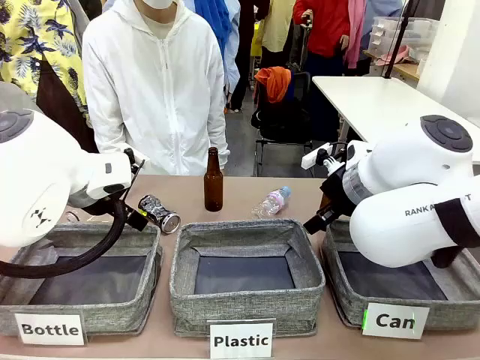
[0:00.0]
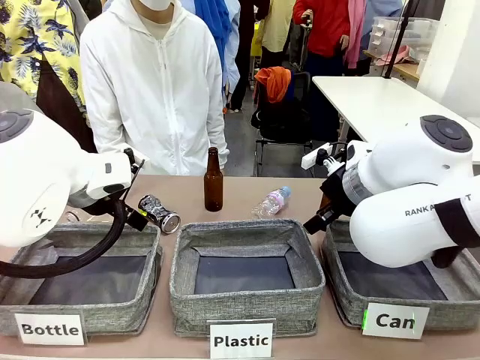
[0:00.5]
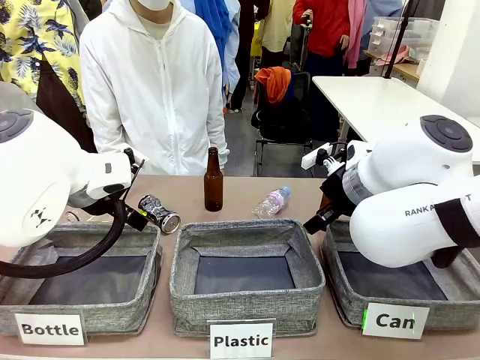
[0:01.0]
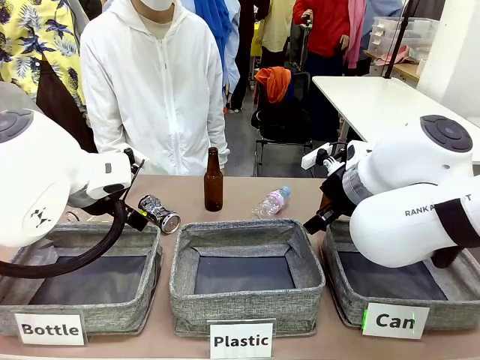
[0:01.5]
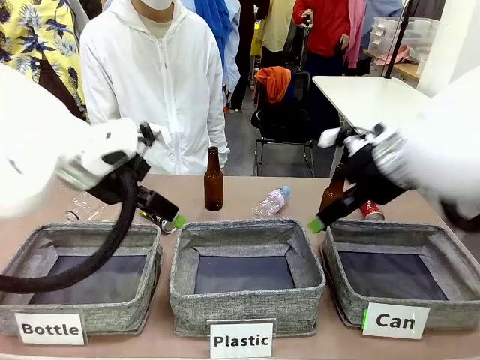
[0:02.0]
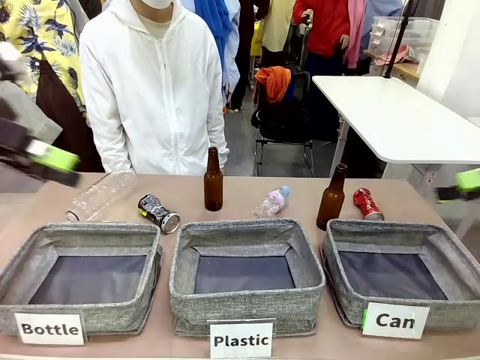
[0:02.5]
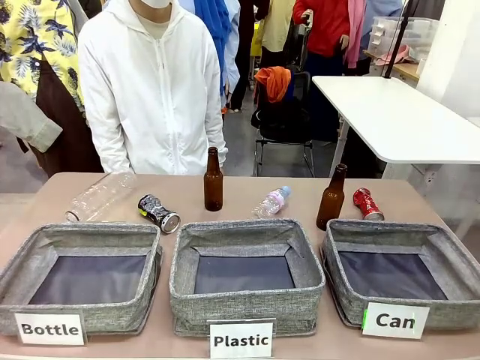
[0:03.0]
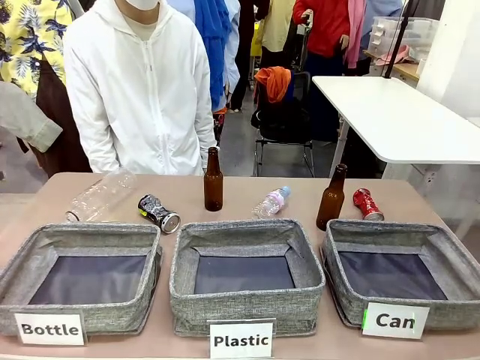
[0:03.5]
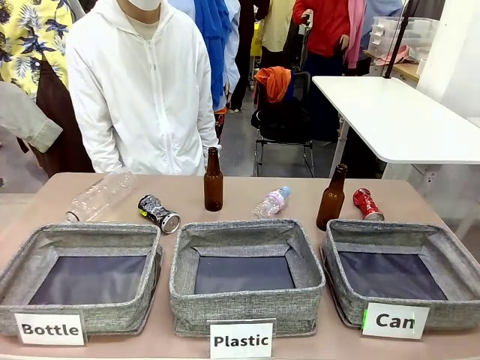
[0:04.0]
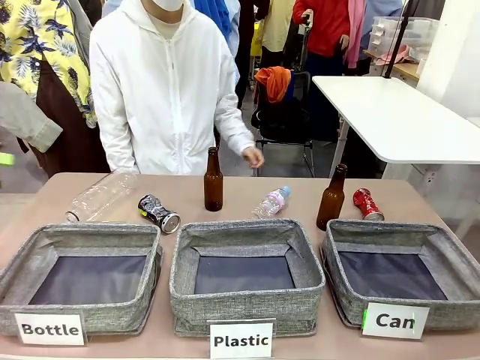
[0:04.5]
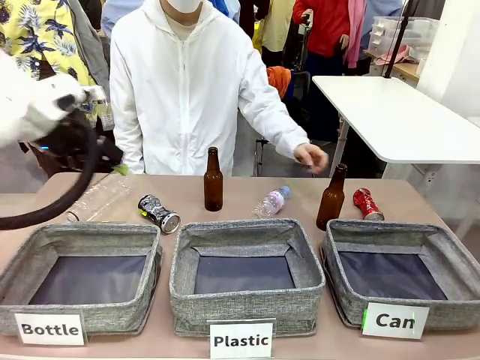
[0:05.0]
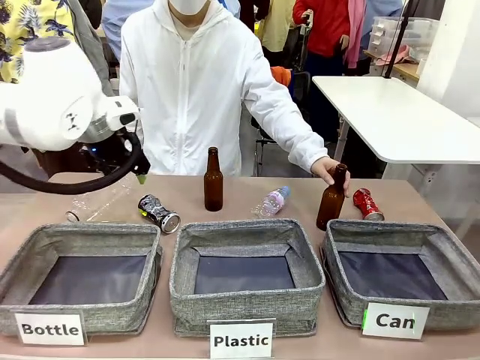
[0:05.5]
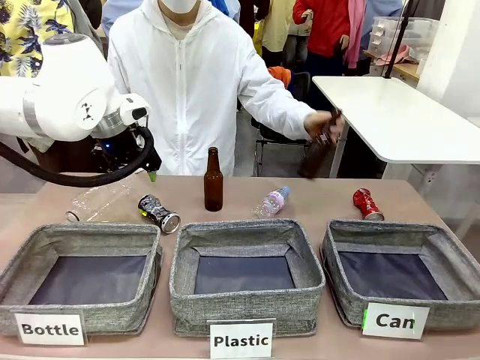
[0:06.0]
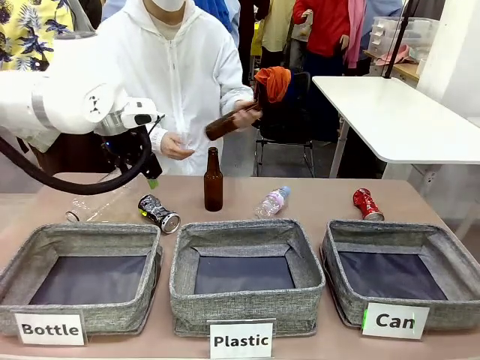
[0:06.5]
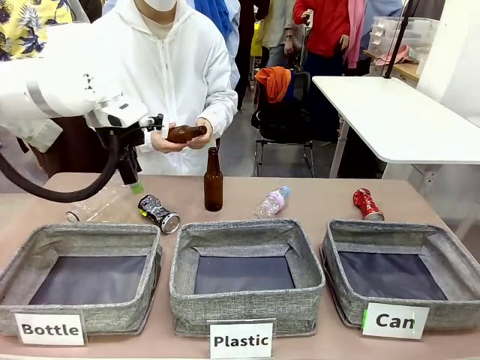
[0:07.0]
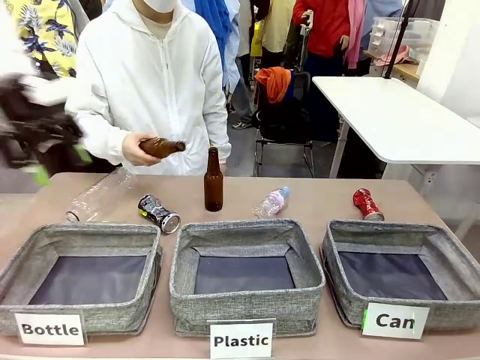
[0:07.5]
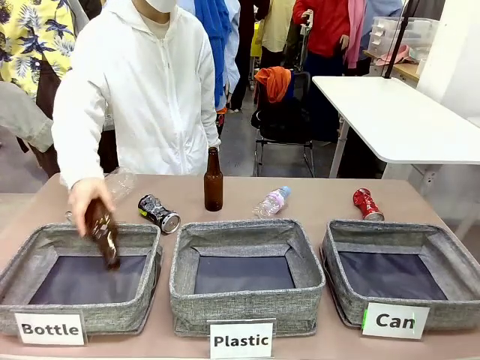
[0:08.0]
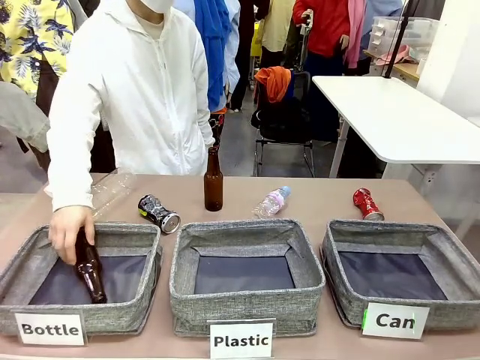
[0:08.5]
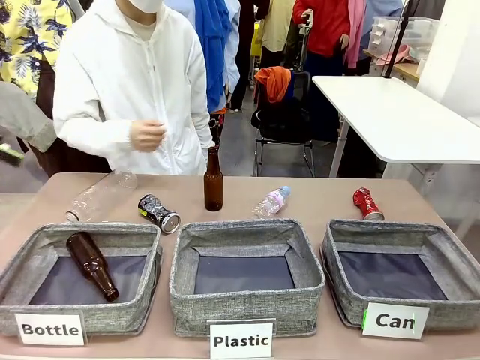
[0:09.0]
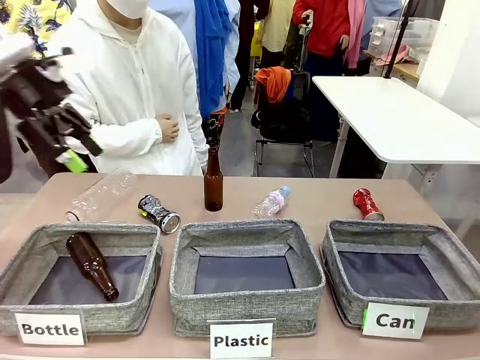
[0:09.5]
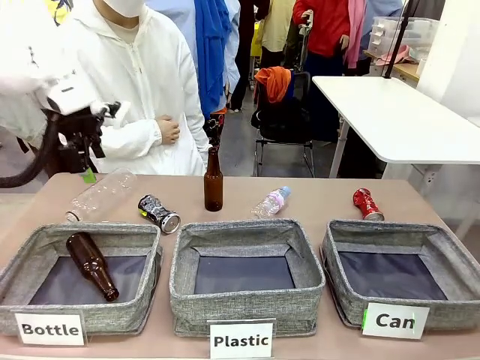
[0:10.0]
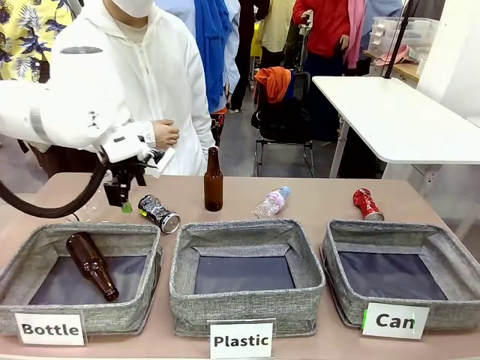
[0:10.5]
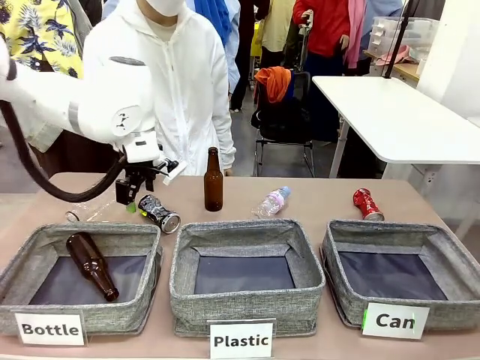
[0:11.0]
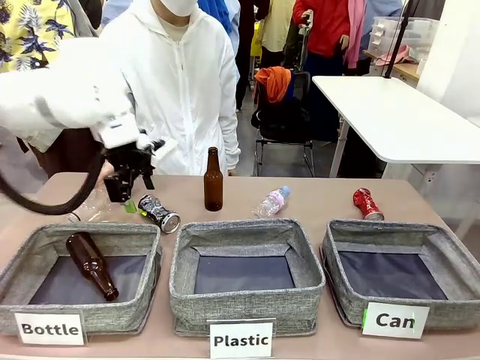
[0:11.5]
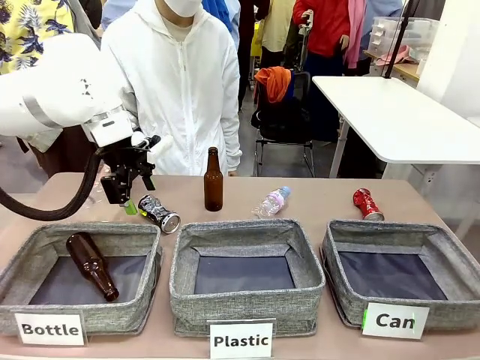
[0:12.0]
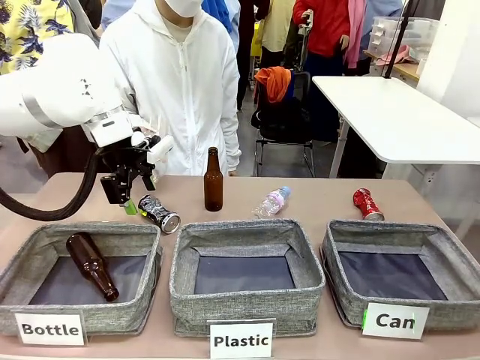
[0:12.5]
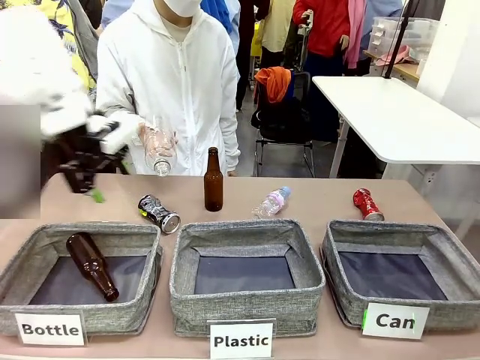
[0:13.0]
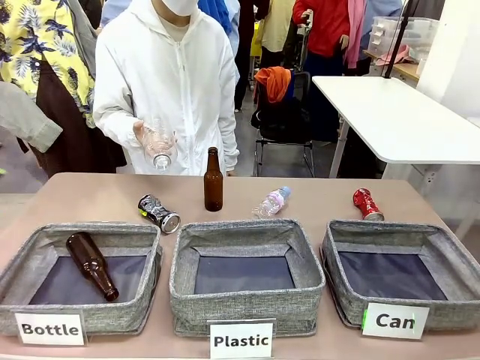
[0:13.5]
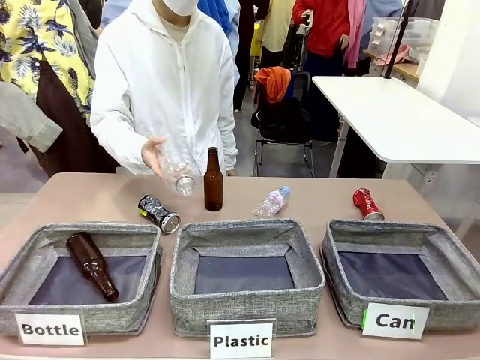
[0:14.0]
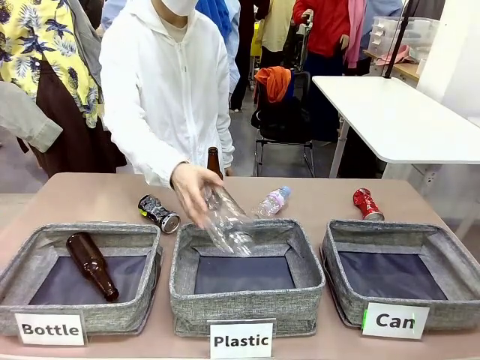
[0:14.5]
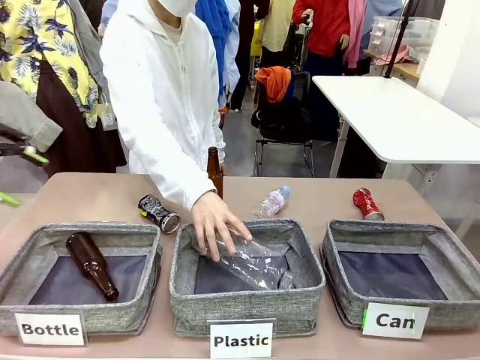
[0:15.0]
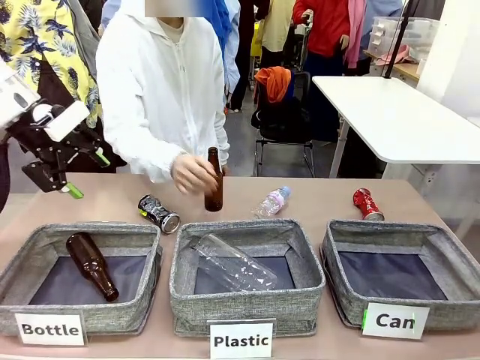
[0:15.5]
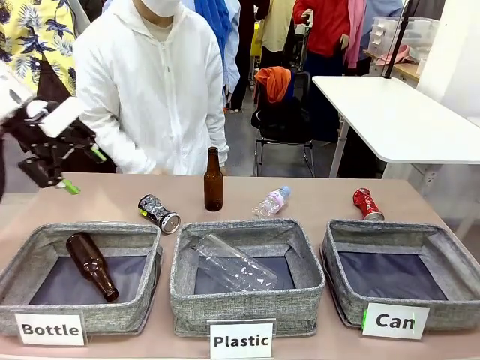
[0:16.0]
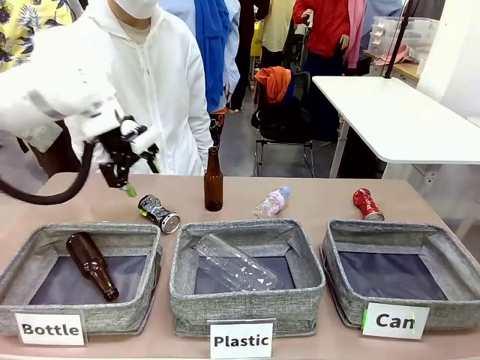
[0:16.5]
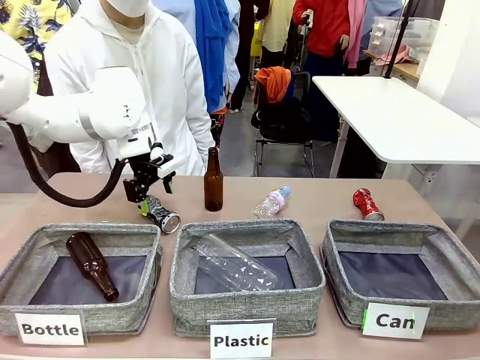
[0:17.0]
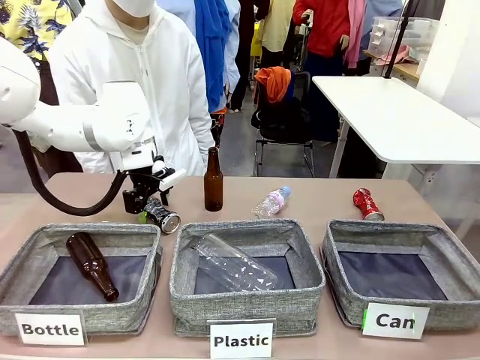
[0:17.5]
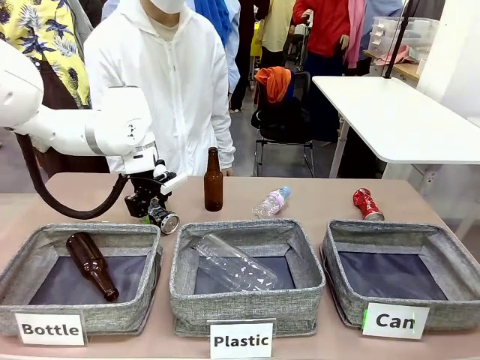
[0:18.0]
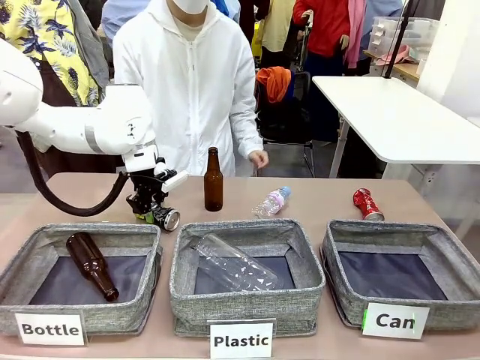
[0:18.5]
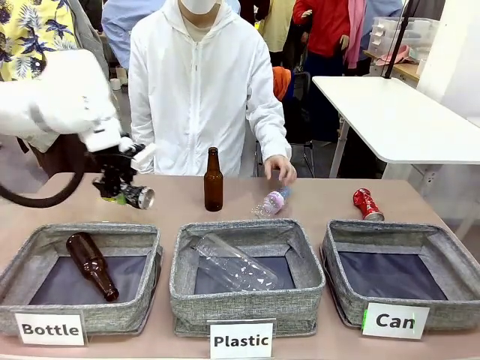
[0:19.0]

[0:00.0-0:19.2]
Task: Sort the can waste into the basket.
Robot: Pick up the can waste from the table and place it in the right Fabric basket.

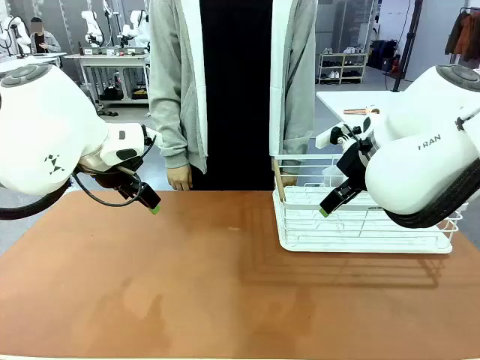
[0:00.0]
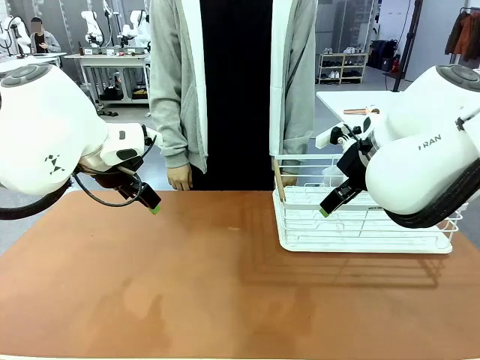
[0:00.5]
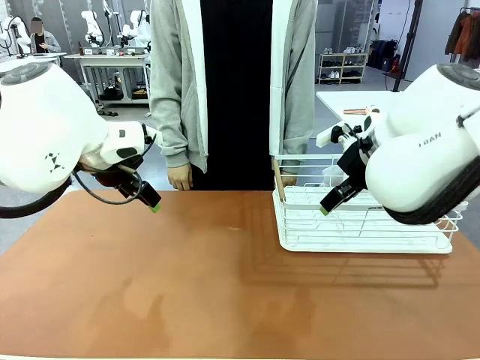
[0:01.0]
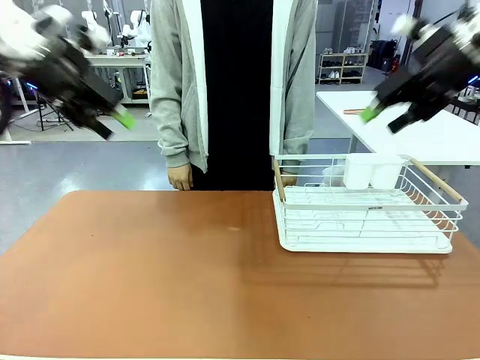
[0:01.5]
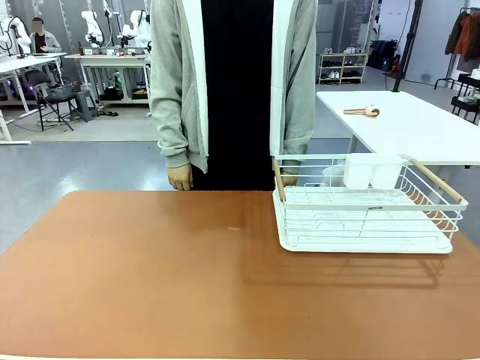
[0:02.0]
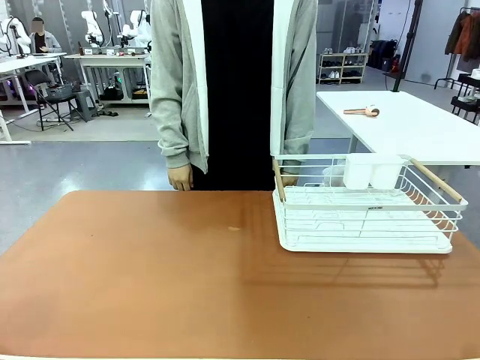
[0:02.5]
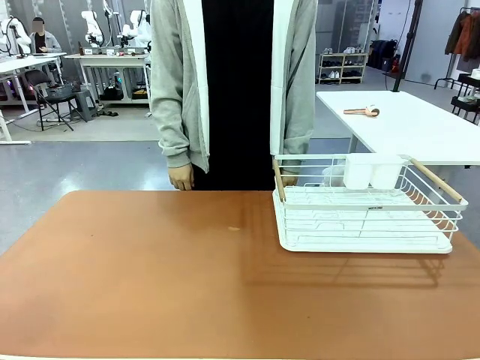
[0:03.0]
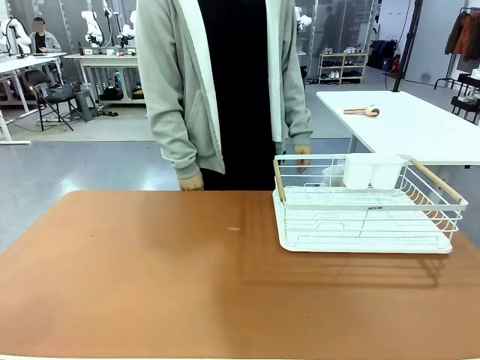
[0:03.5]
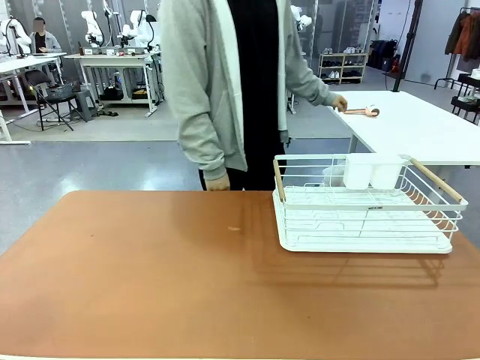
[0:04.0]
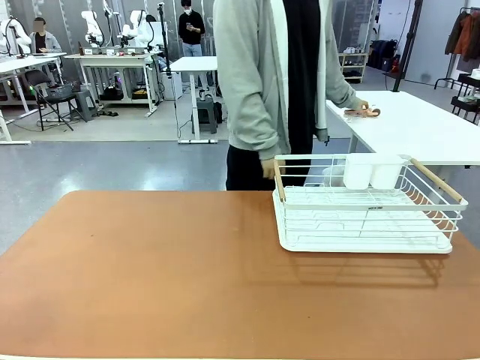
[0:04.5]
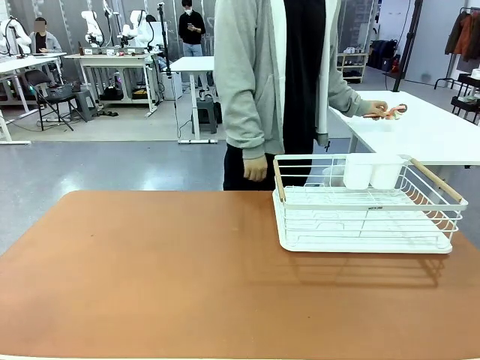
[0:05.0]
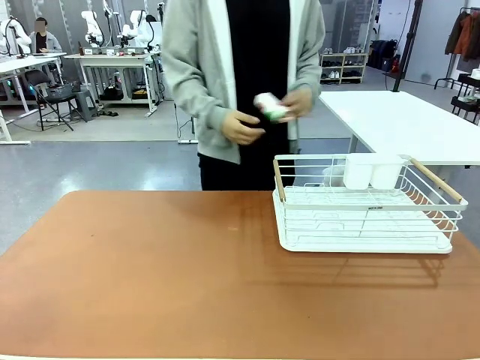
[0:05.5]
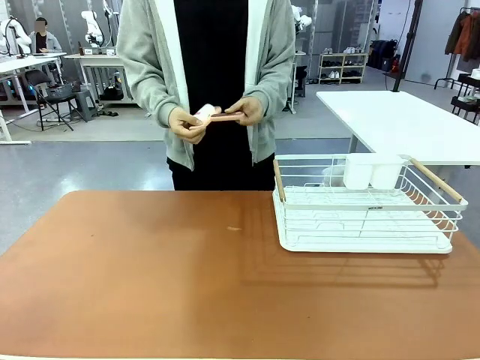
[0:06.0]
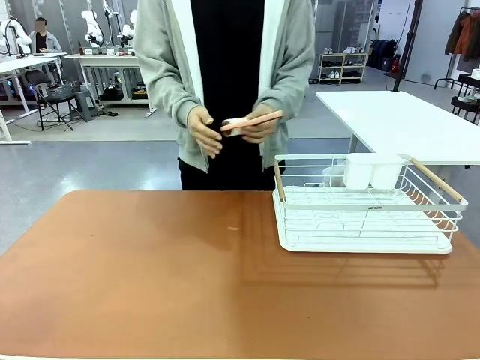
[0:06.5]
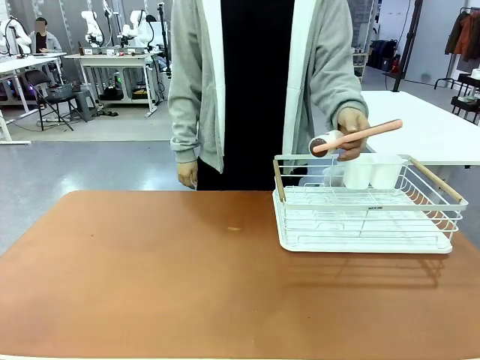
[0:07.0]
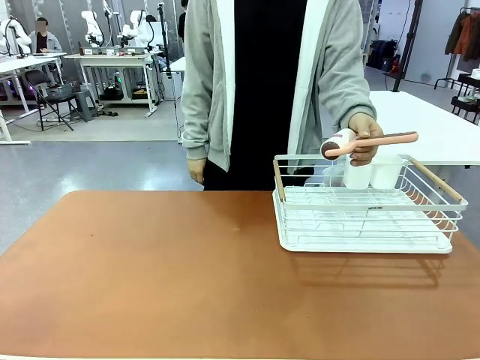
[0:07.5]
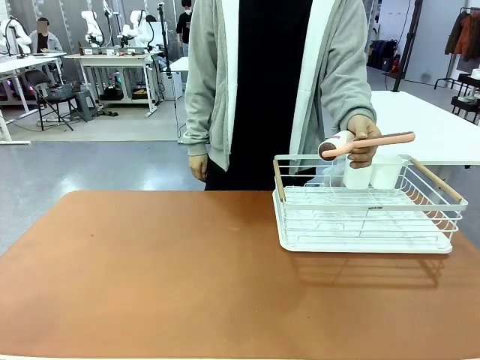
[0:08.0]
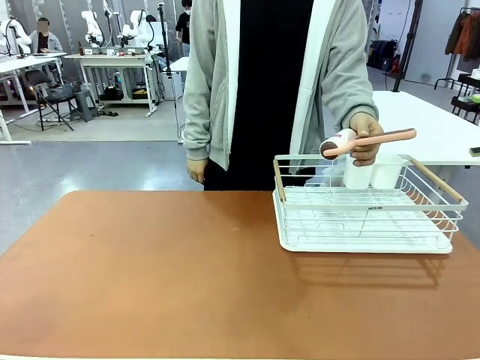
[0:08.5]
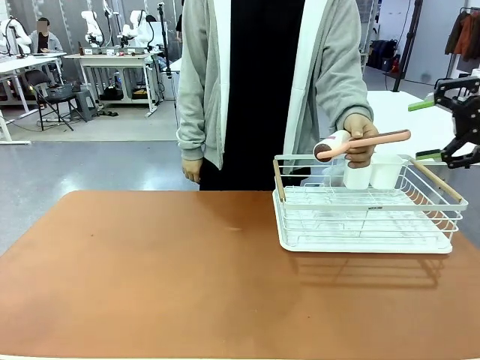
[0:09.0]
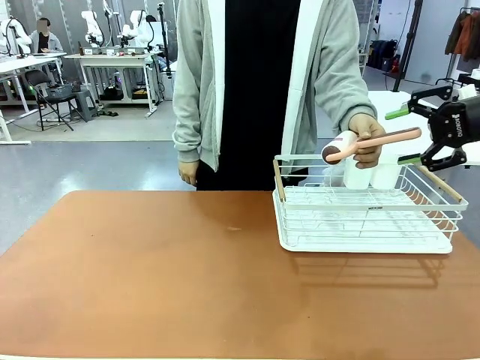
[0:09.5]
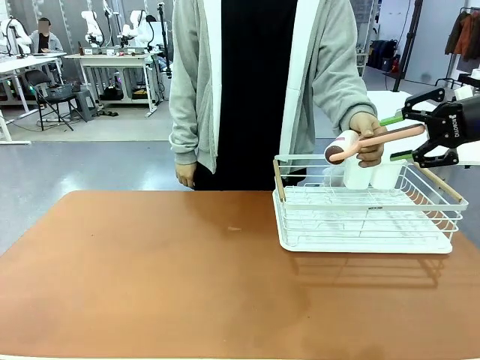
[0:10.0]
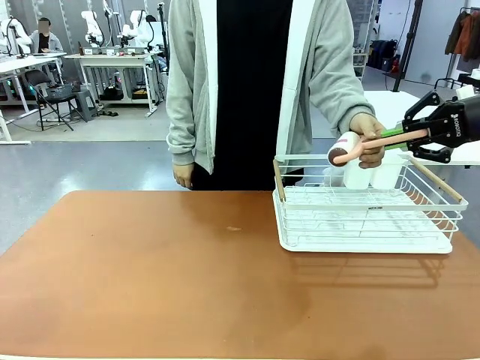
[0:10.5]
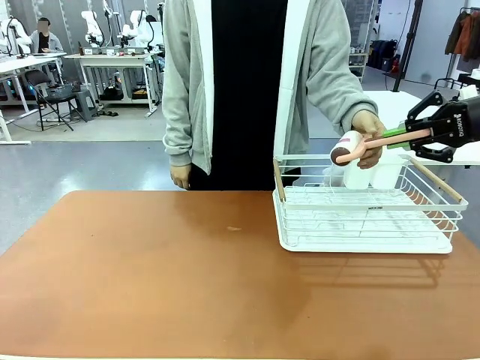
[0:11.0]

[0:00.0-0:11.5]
Task: Clean the table.
Robot: Pick up the Lint Roller when the human hands it over.
Person: Hand the Lint Roller to the robot so it can easily pick it up. Lift the Dish drying rack.
